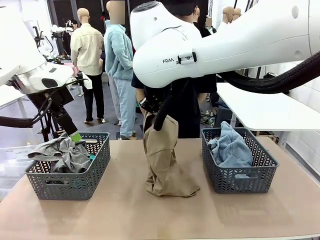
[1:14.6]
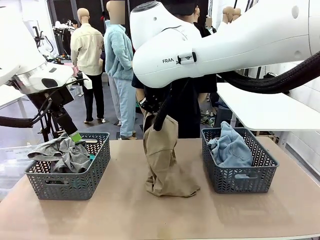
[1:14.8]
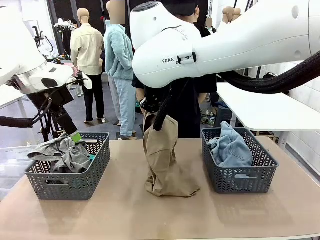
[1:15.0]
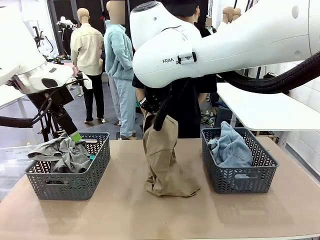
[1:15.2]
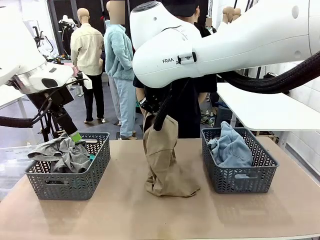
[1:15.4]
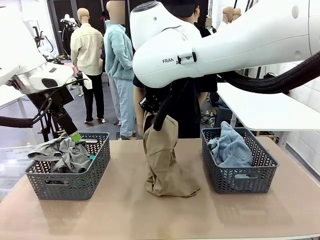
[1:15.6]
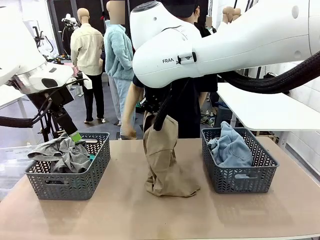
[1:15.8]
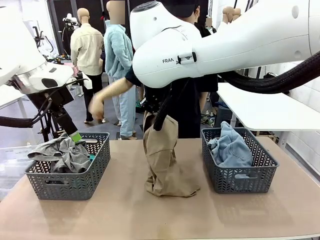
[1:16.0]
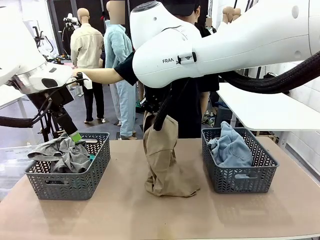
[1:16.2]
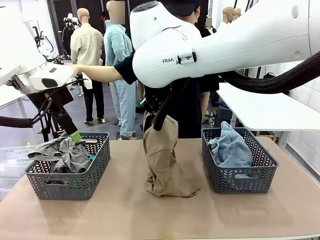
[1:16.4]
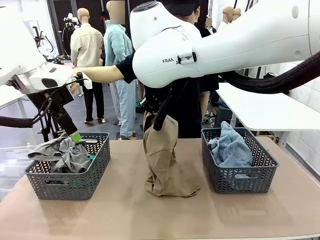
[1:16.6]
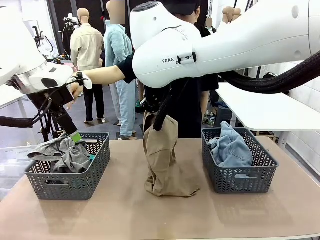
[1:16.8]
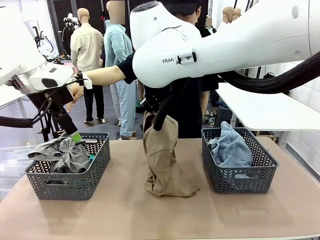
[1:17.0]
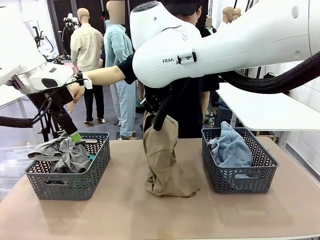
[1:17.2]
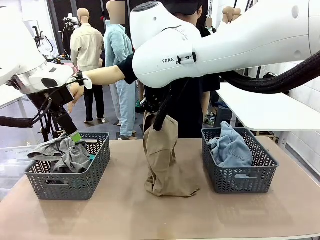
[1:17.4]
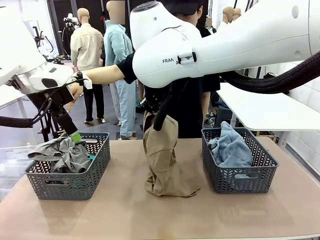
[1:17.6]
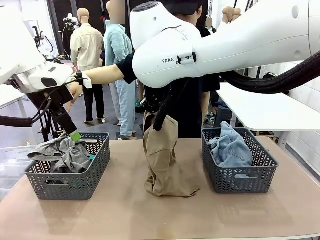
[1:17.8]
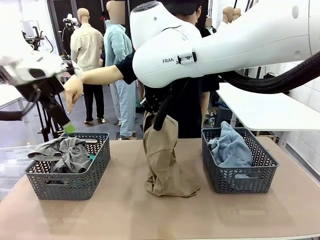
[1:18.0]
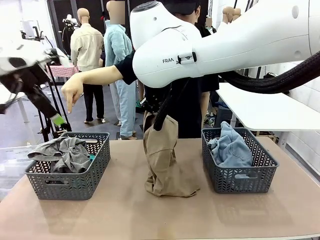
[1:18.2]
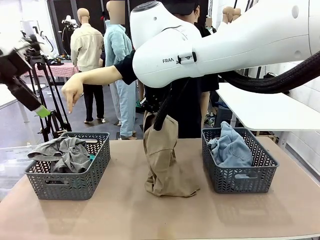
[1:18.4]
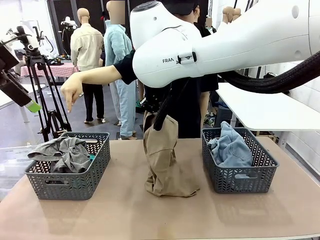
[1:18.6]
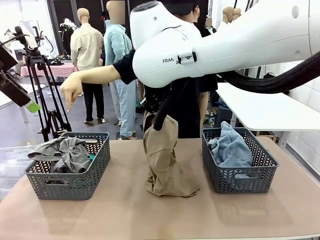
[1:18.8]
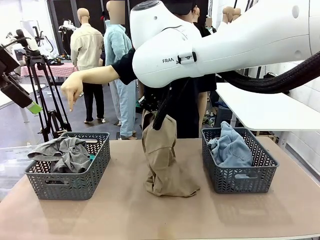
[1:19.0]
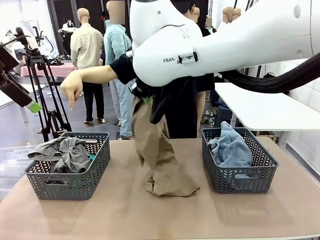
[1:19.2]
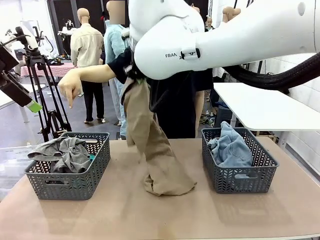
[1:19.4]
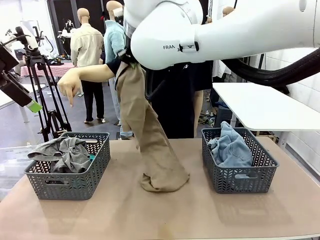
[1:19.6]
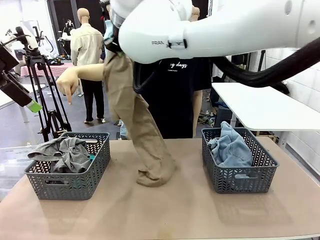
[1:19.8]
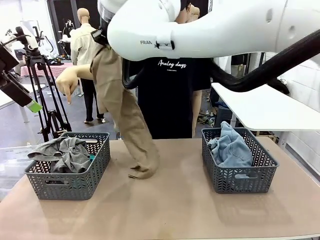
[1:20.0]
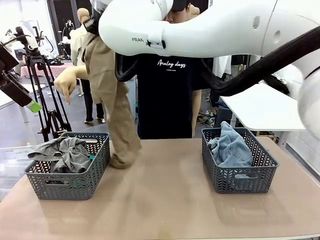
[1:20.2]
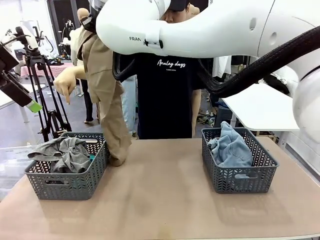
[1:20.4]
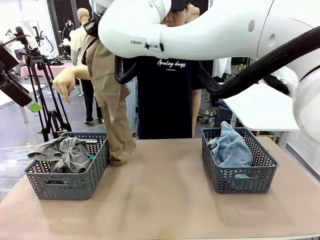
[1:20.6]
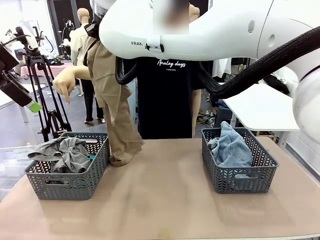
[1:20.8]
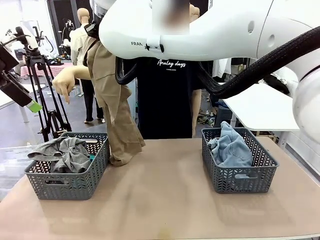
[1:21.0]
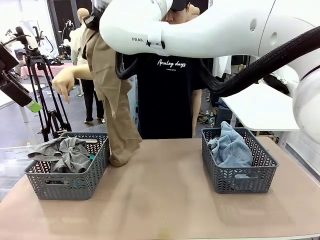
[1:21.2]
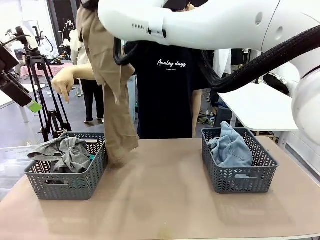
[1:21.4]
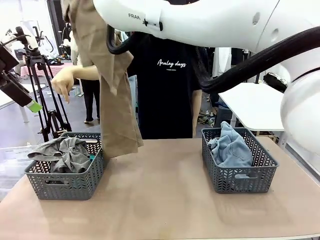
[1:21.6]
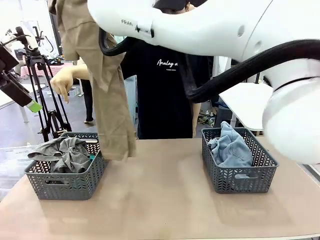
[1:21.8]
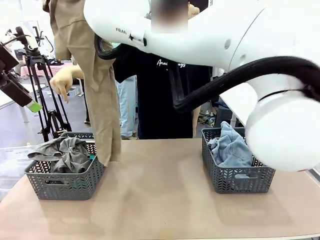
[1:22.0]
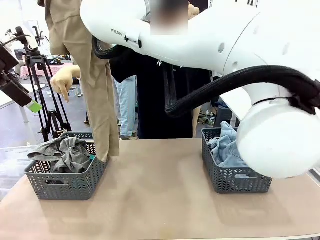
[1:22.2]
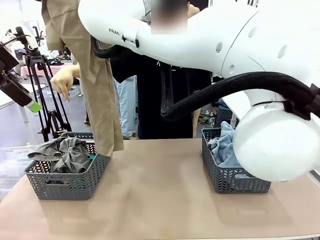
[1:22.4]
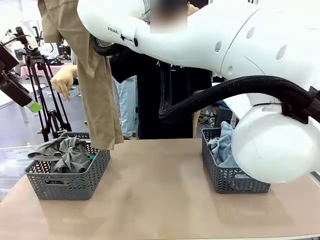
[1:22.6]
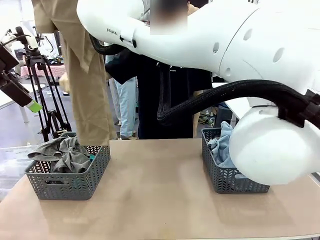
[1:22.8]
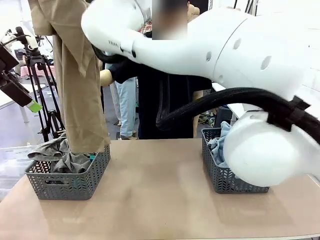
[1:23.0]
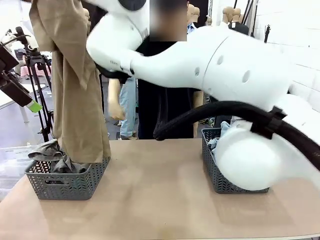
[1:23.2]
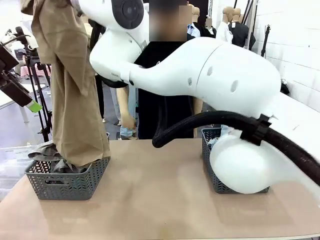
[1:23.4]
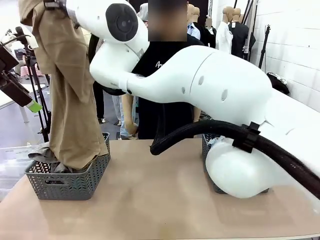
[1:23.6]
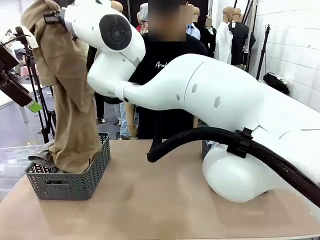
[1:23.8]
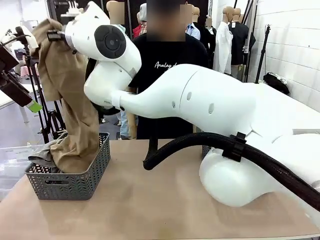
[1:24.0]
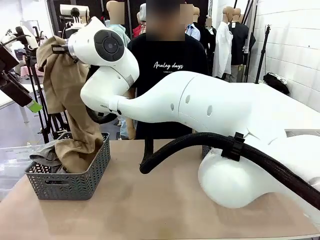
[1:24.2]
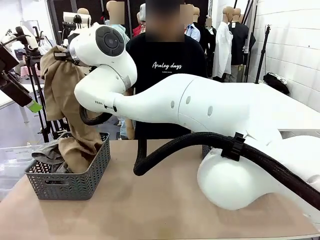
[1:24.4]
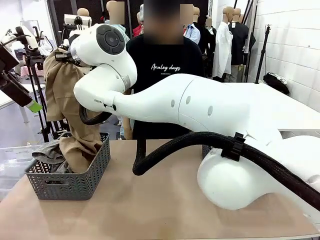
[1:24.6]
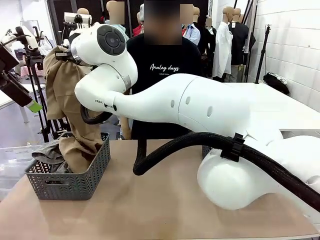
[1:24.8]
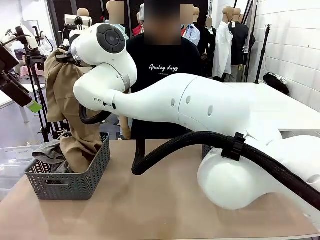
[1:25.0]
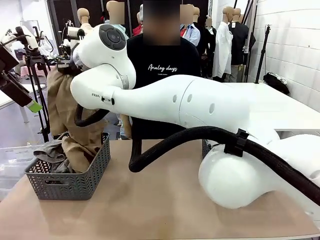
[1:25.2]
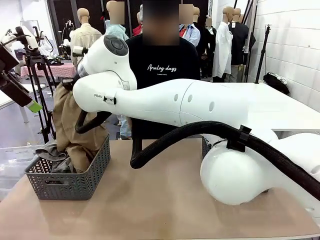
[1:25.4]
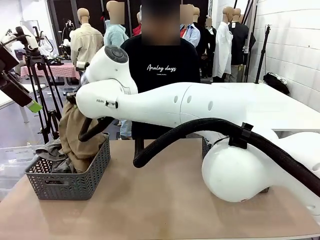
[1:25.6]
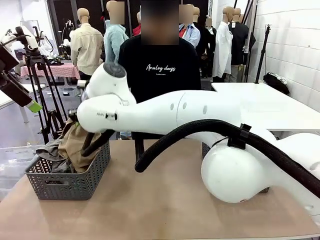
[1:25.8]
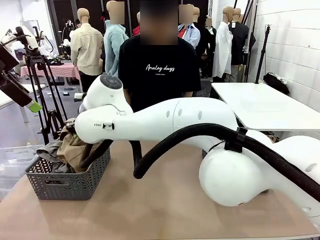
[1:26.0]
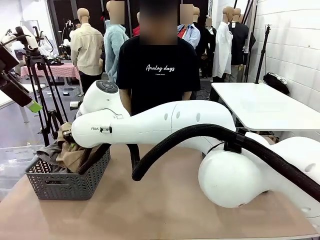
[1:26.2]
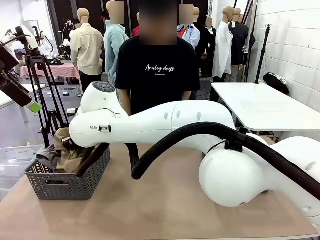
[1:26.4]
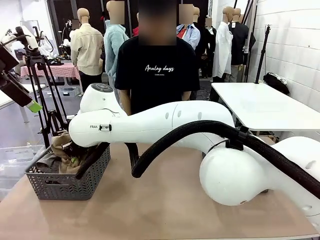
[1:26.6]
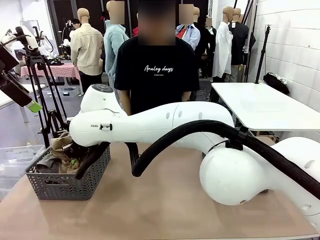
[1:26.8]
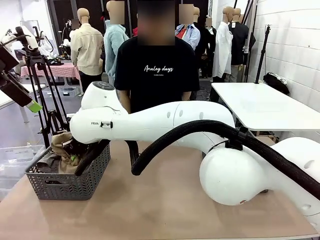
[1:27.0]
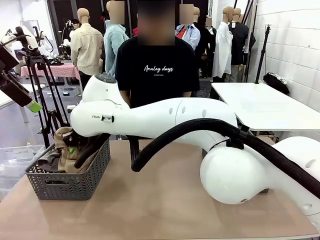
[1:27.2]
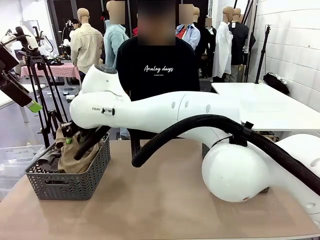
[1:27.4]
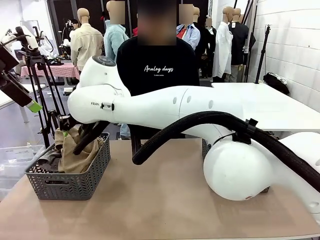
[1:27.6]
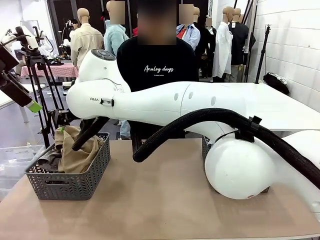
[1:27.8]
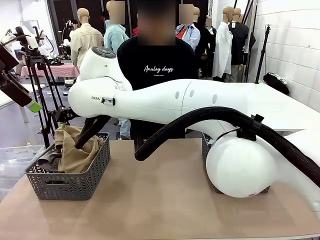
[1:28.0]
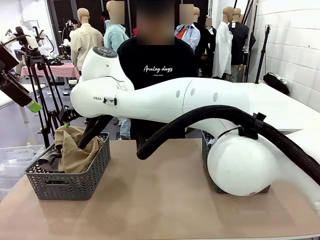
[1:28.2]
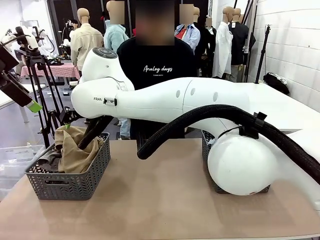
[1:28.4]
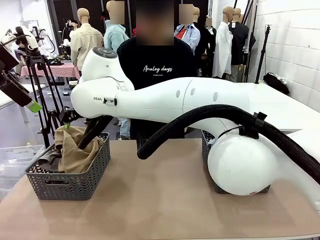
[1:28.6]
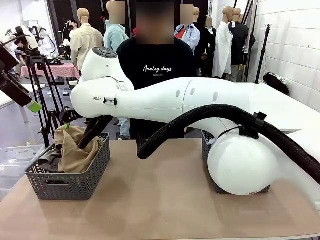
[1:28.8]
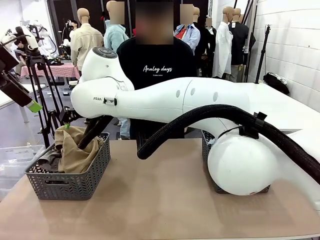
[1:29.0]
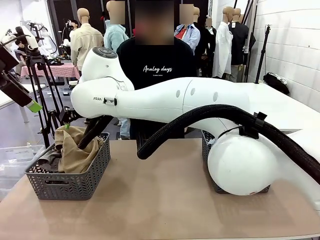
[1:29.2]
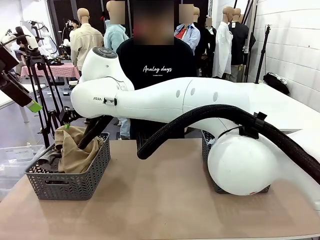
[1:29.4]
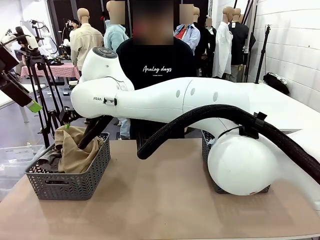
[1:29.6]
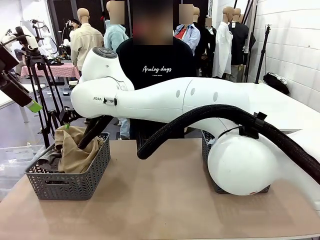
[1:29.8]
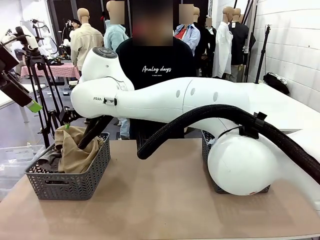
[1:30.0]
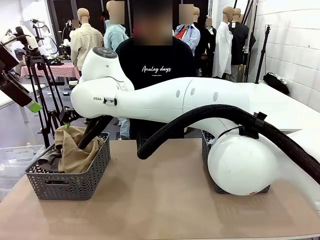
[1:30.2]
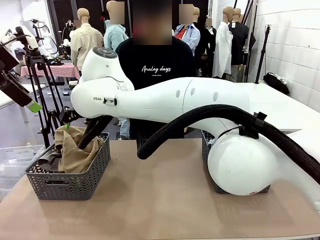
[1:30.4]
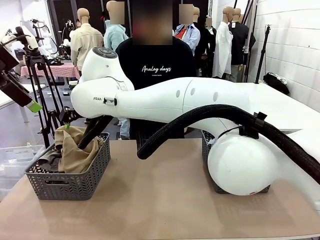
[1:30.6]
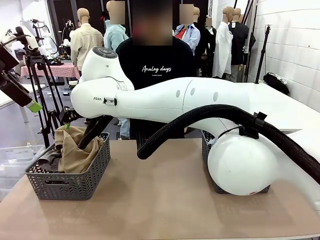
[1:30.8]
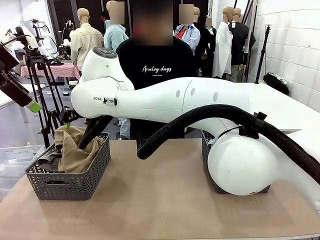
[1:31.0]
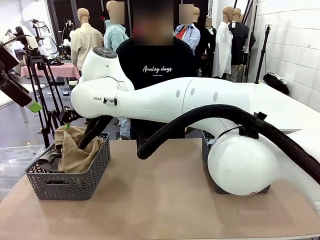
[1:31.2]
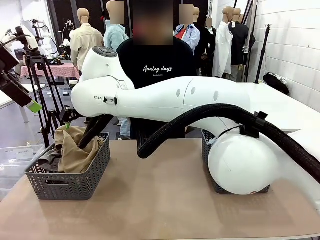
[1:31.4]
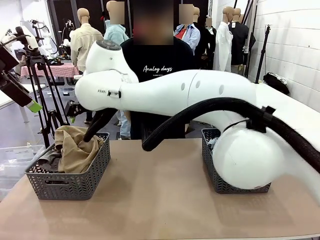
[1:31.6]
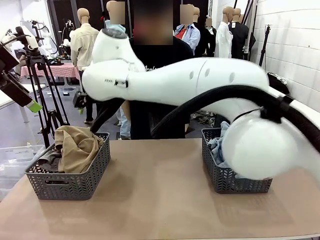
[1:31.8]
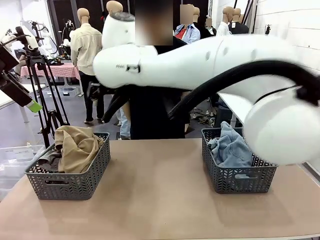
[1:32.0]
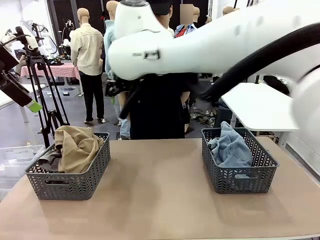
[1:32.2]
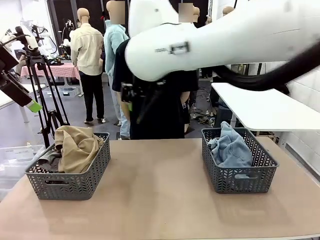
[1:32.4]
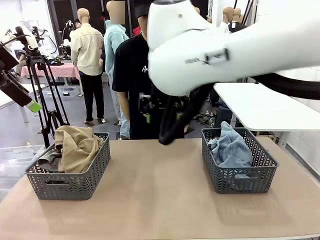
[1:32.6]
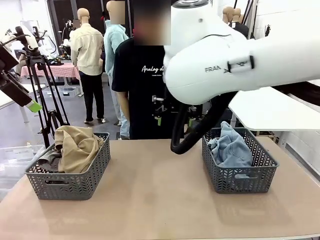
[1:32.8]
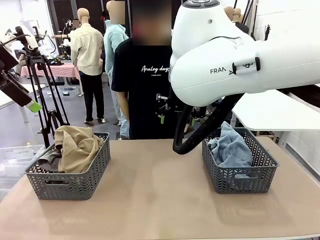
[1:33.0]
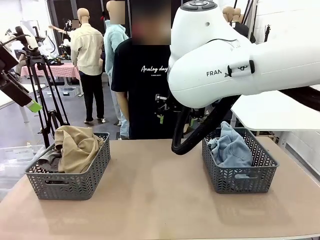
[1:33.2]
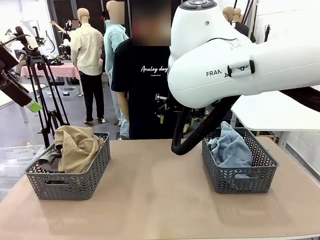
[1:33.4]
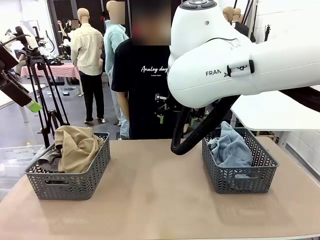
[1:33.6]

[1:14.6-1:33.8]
Task: Sort the tops and bottoms.
Robot: Sort the clothes according to human instructions.
